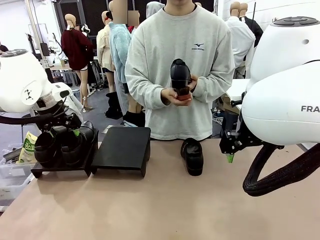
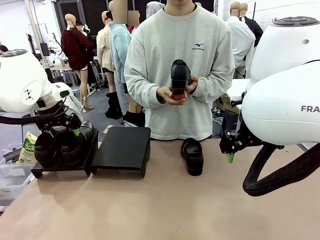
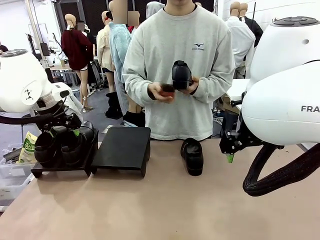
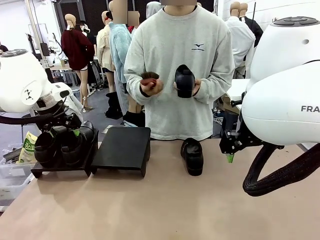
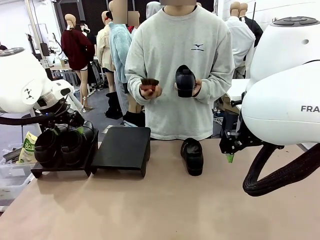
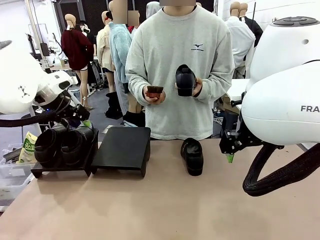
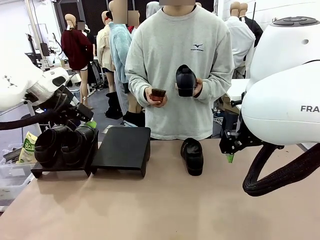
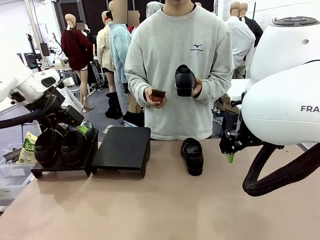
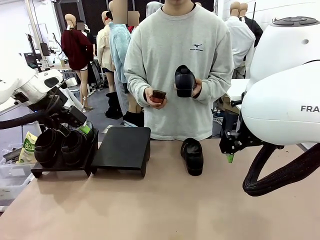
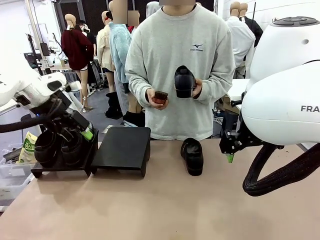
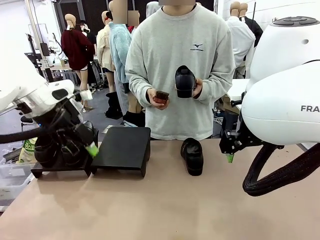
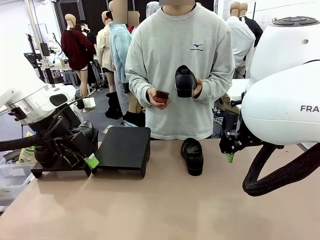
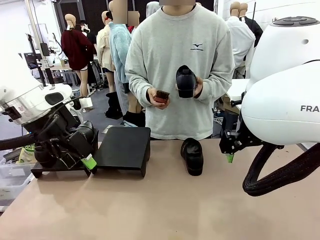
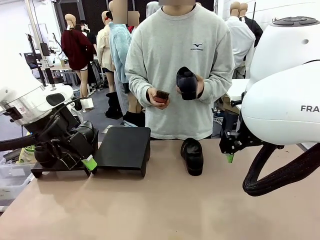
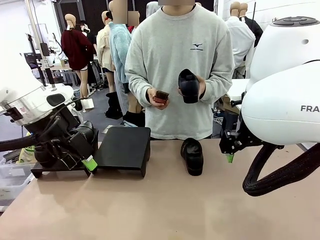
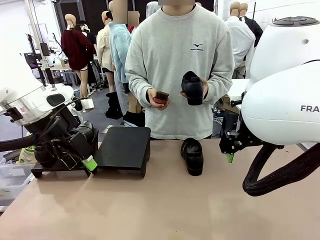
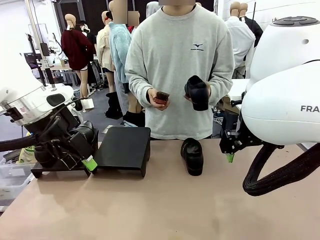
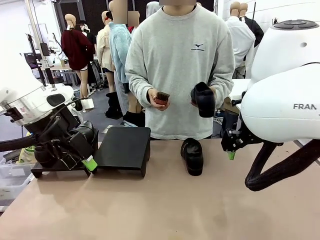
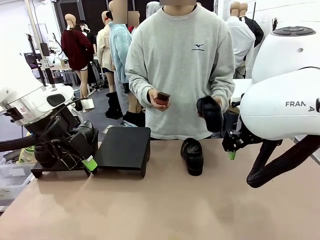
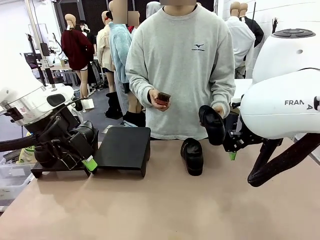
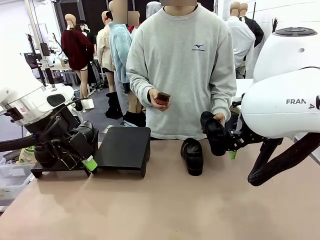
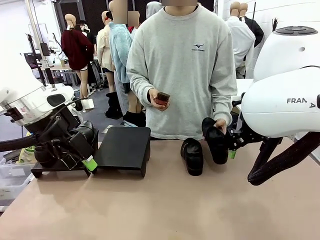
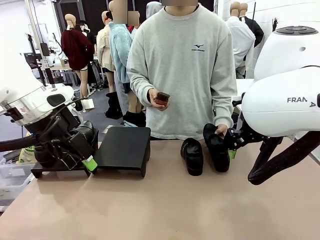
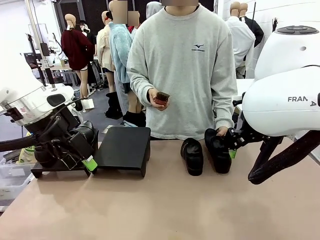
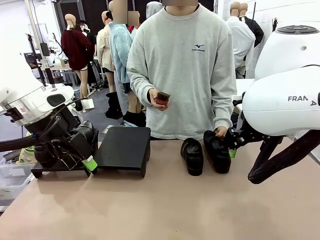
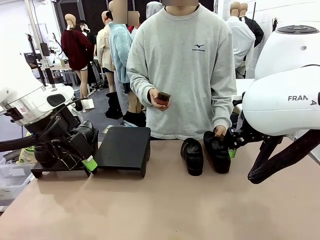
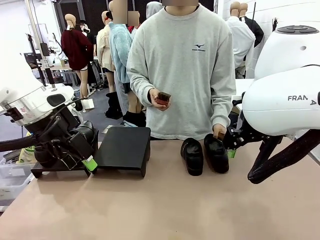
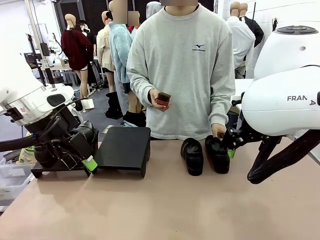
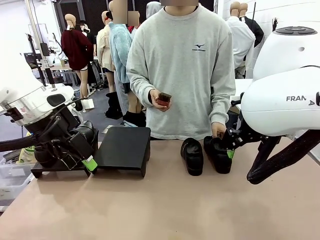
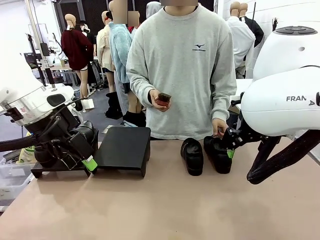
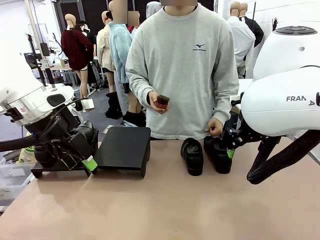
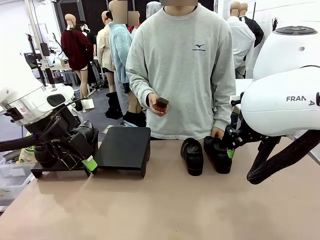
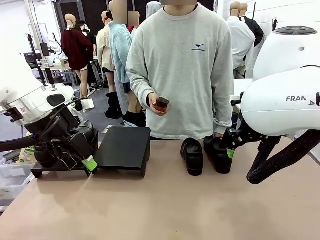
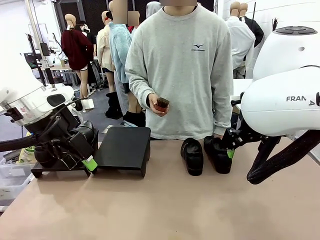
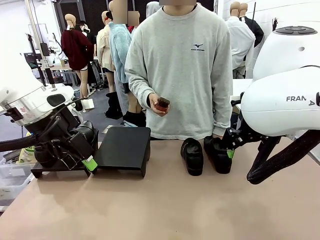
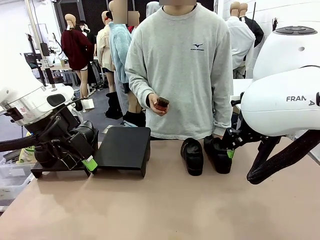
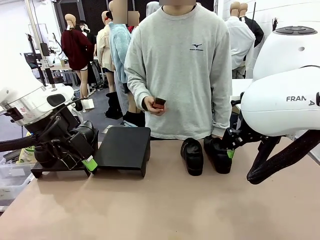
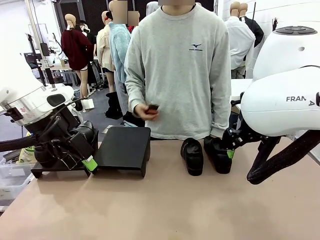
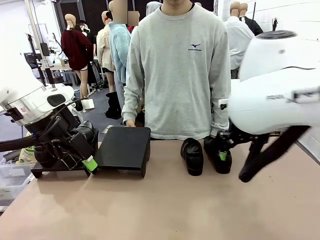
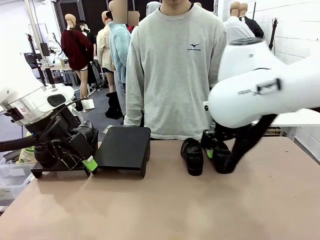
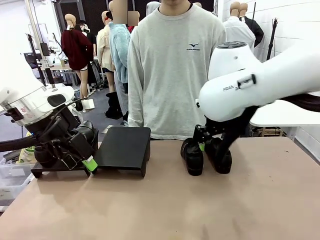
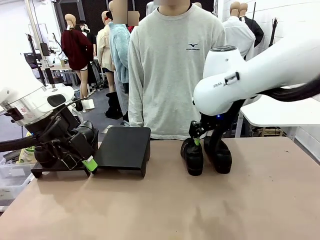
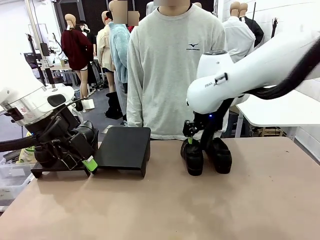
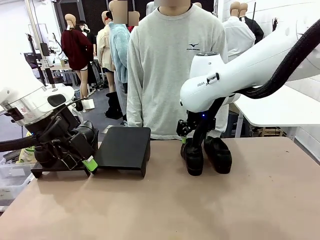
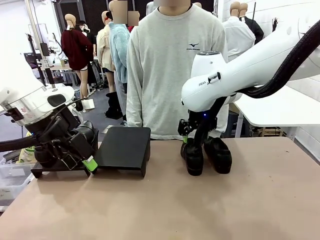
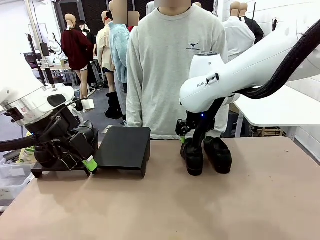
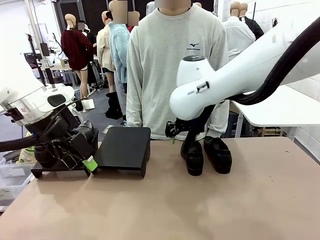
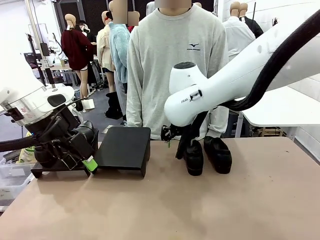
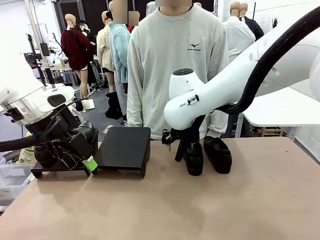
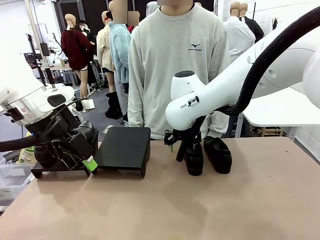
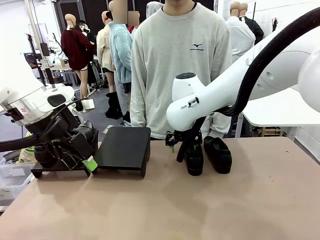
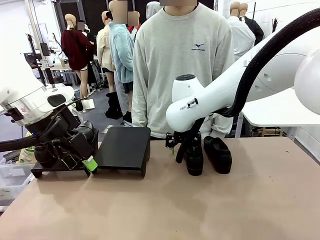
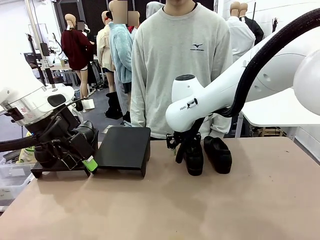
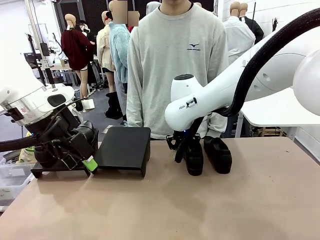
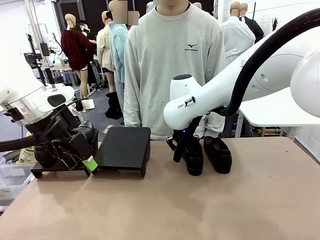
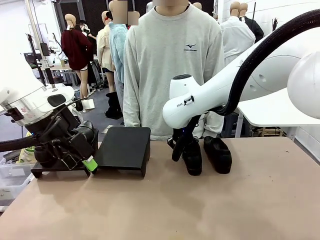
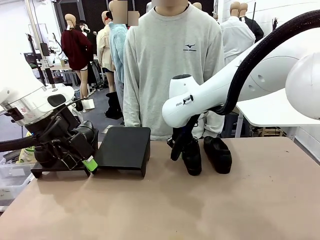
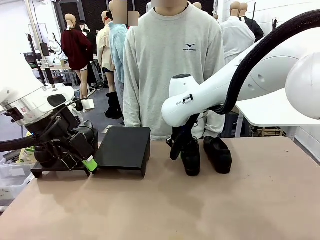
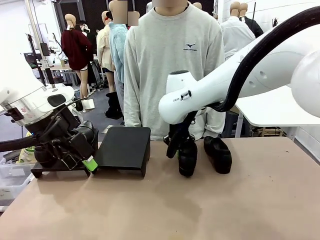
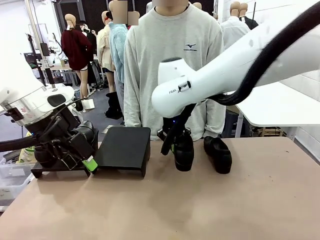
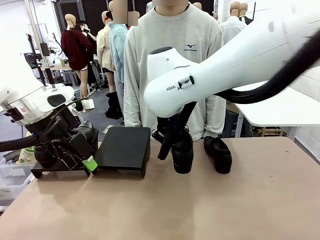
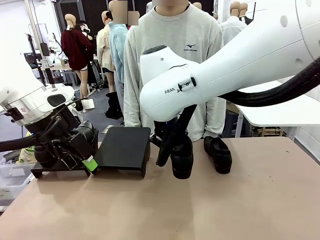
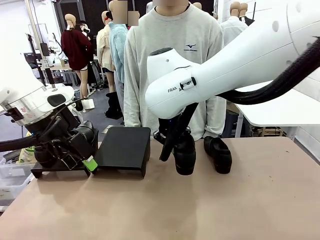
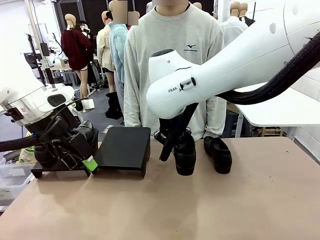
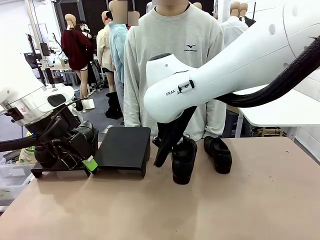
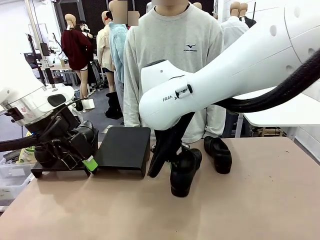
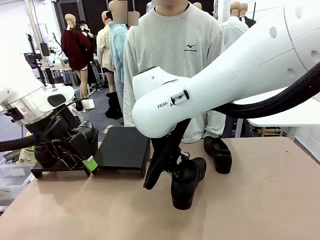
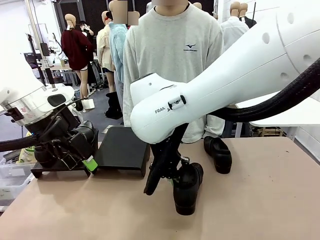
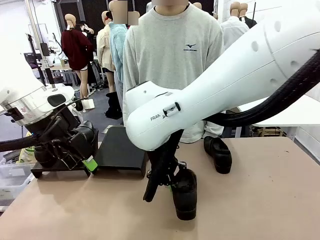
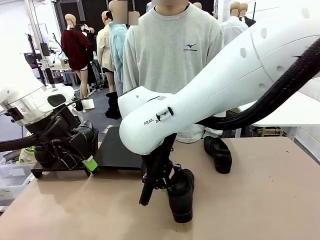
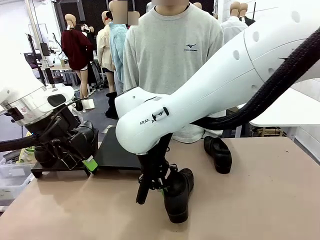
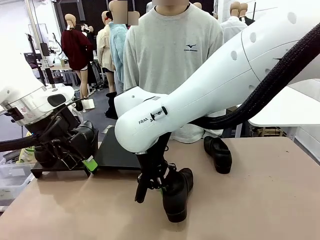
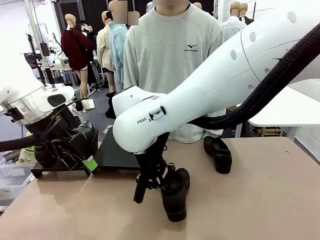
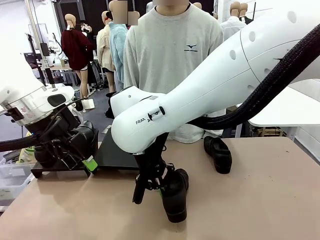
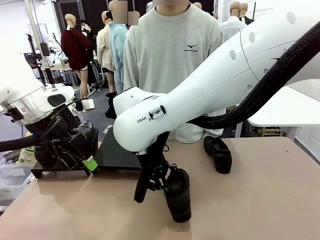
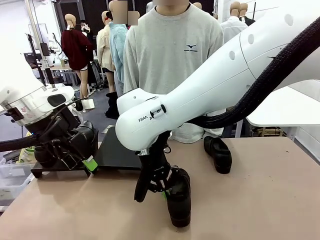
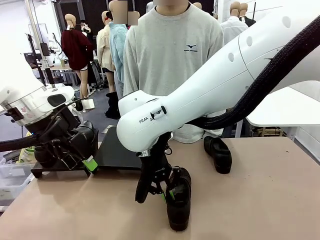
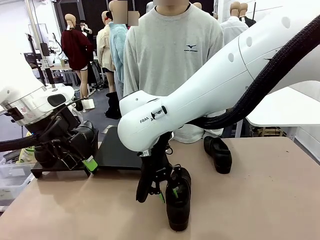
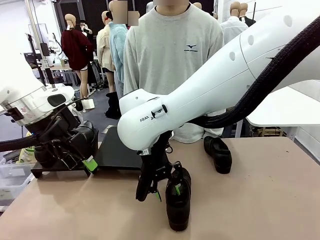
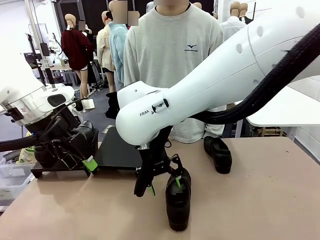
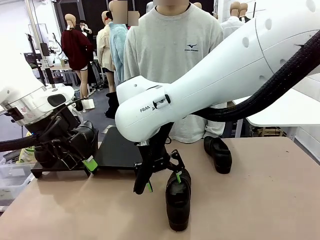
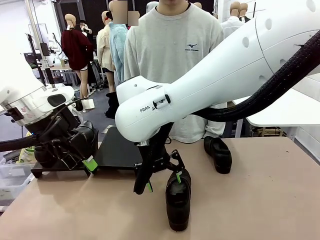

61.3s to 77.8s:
Task: Organize the shoes by placing them on the stand.
Robot: Pick up one Shoe and place it in the middle of the table.
